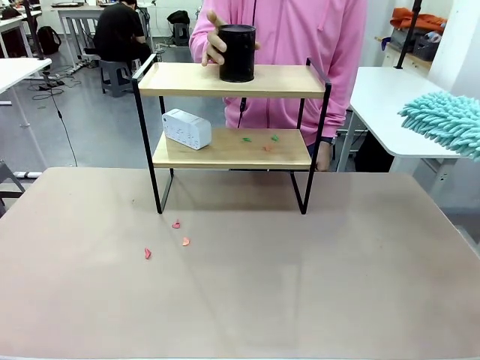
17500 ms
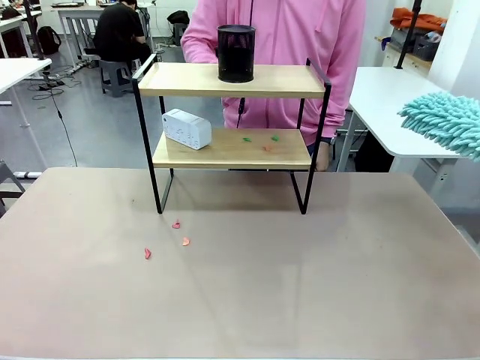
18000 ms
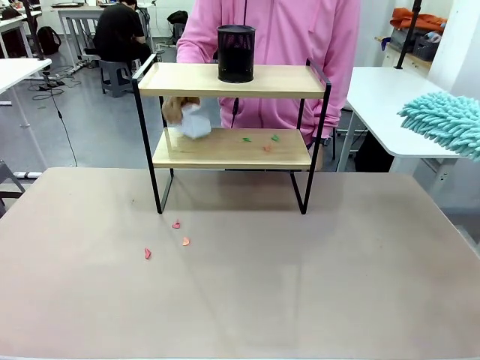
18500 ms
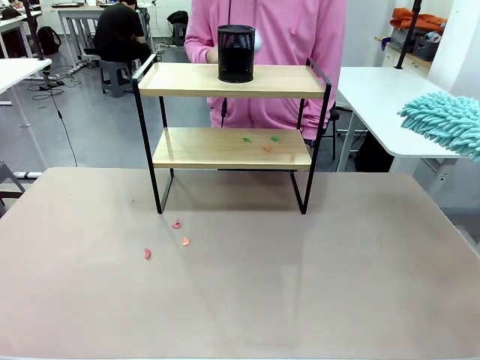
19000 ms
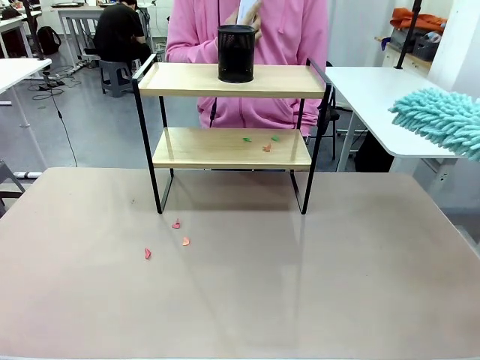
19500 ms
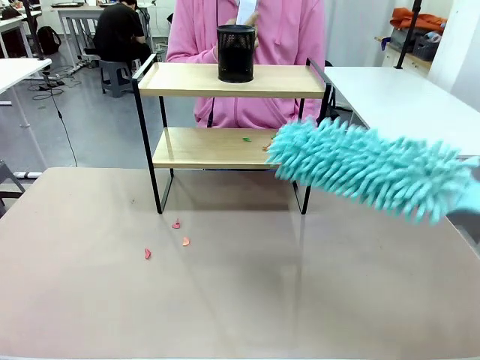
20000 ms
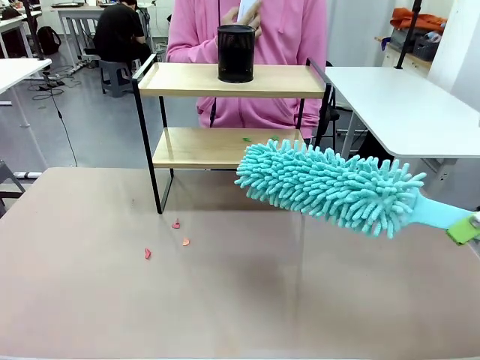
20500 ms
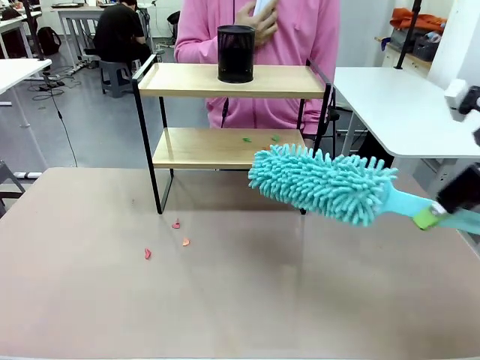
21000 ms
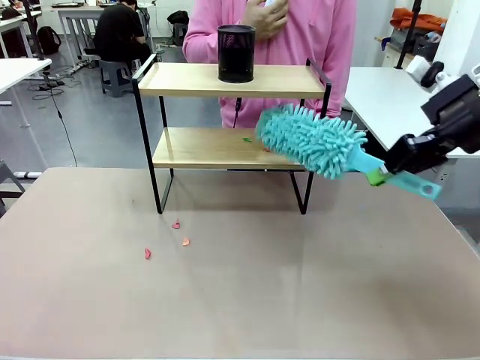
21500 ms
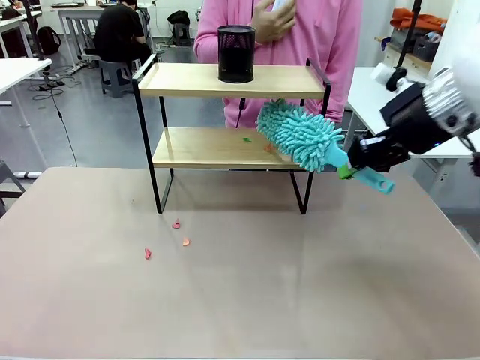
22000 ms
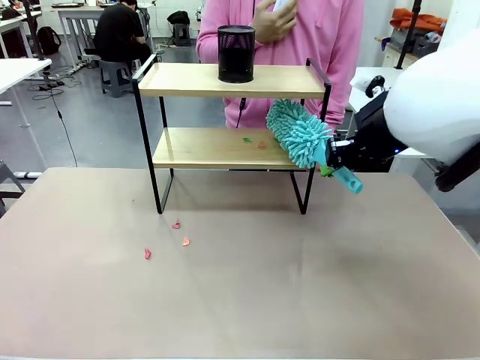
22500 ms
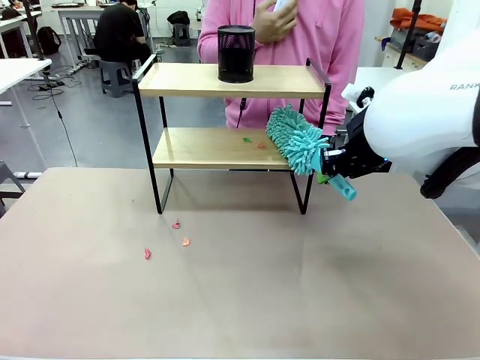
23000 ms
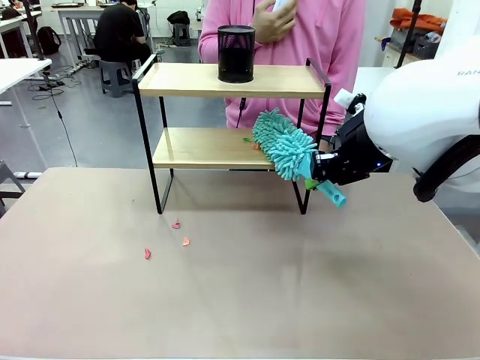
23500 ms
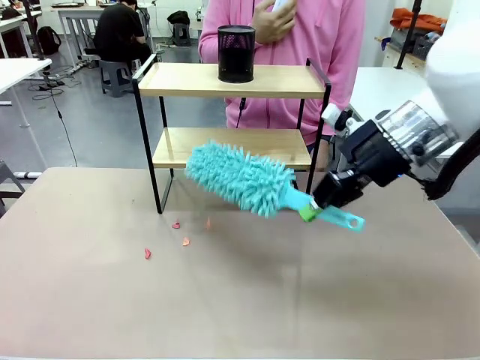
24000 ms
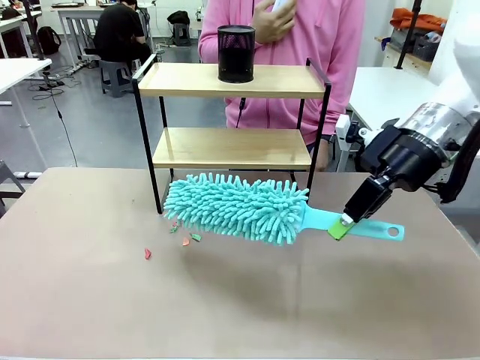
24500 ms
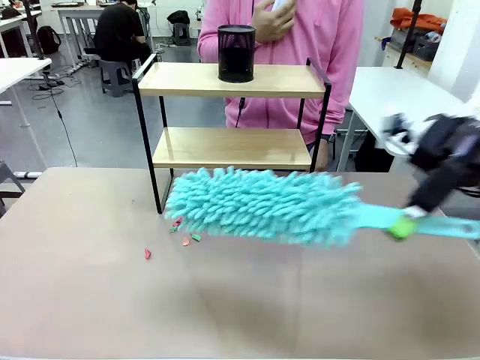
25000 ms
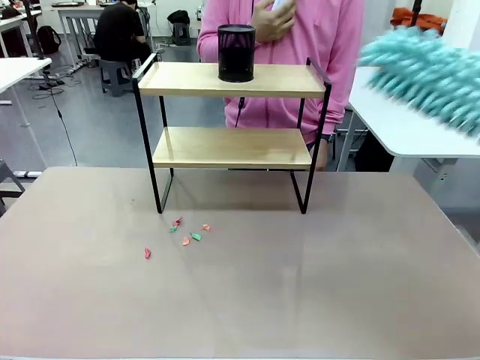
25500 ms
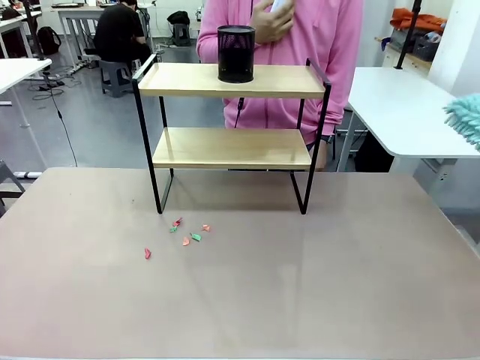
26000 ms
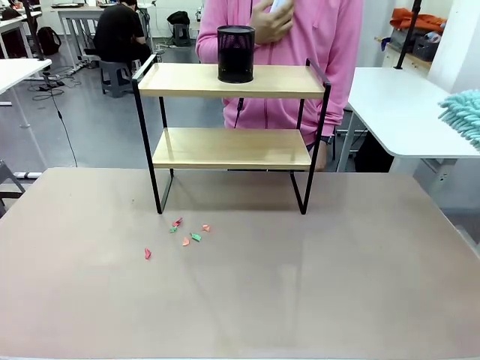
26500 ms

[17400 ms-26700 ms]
Task: Clean the shelf.
Robot: Clean the remaining tier of the Shelf with the Duster once objects are removed.

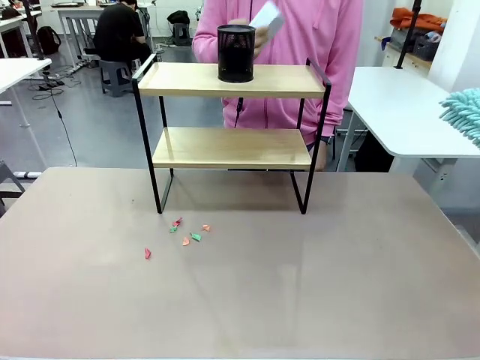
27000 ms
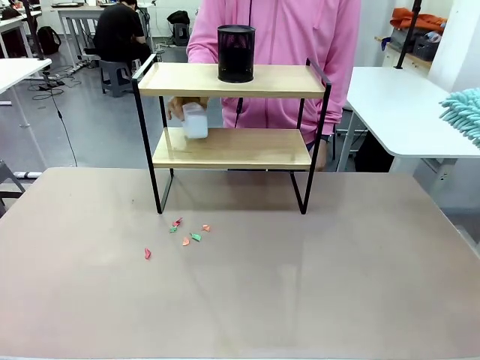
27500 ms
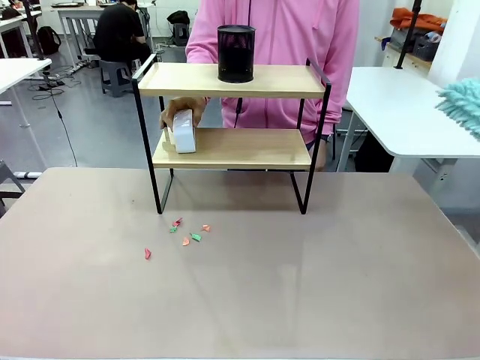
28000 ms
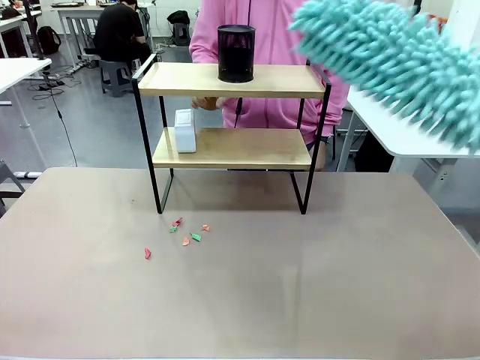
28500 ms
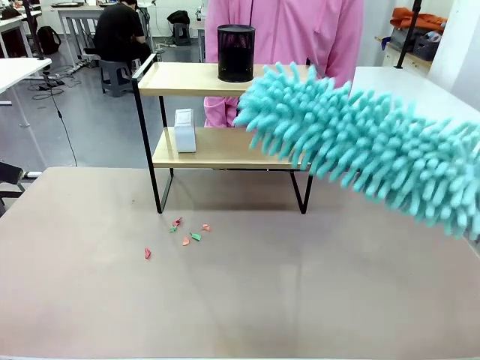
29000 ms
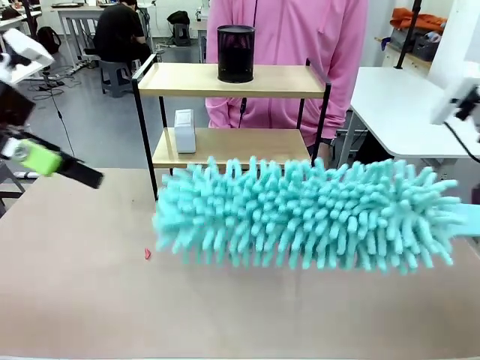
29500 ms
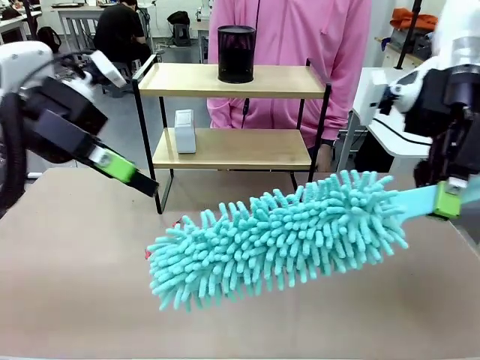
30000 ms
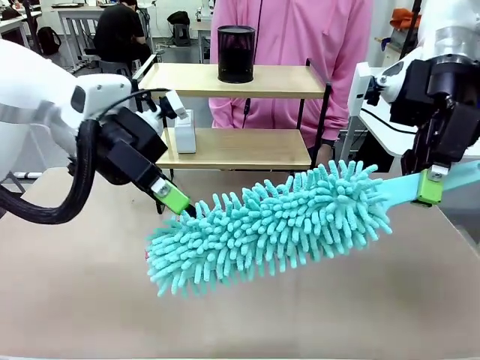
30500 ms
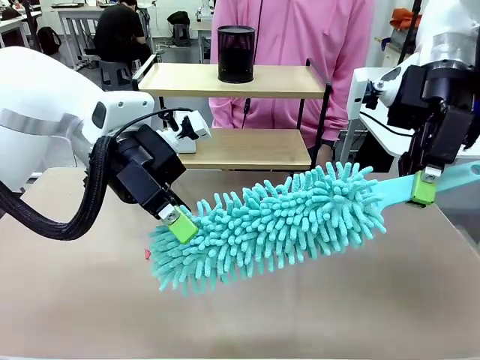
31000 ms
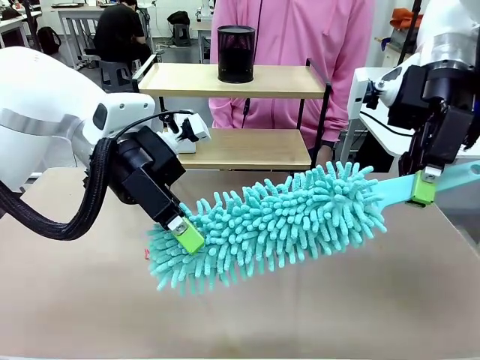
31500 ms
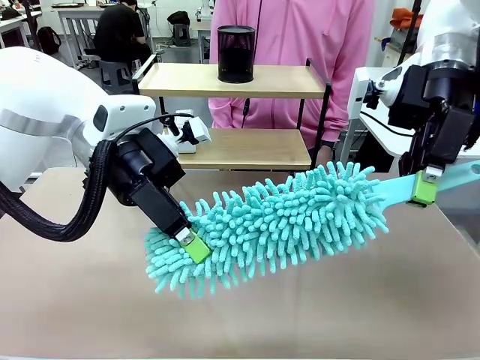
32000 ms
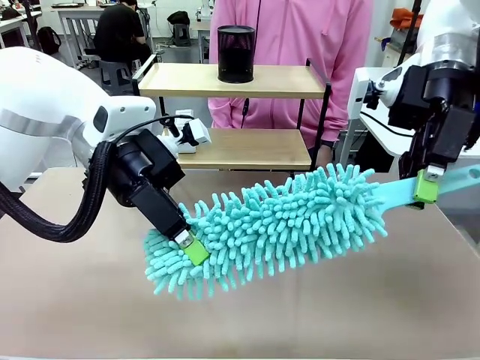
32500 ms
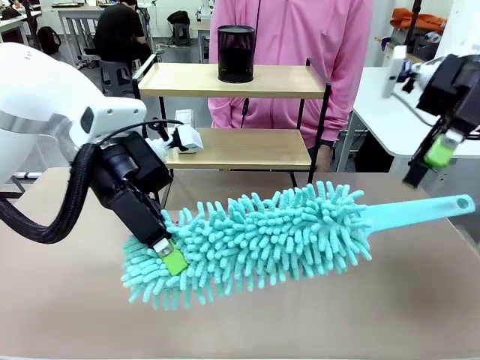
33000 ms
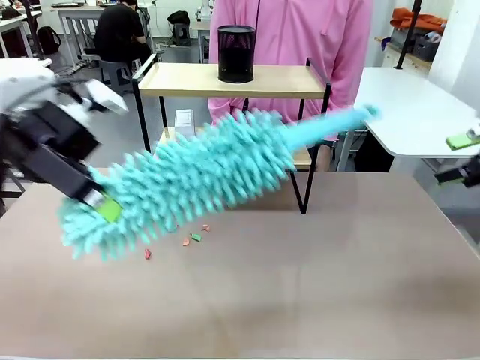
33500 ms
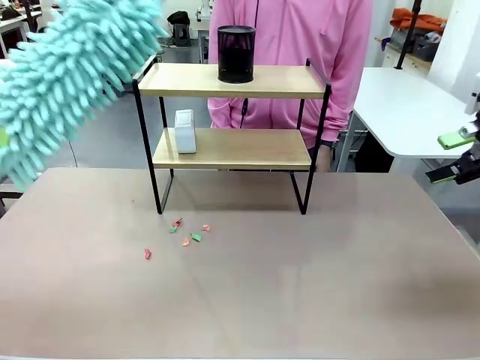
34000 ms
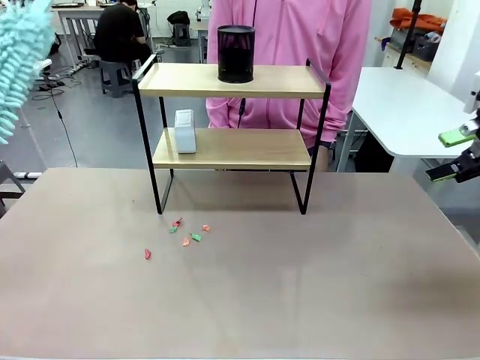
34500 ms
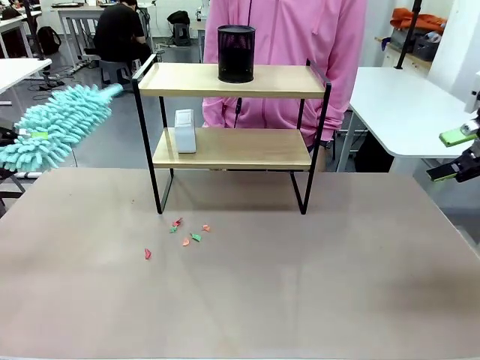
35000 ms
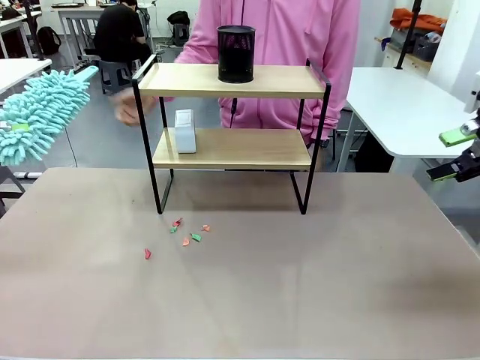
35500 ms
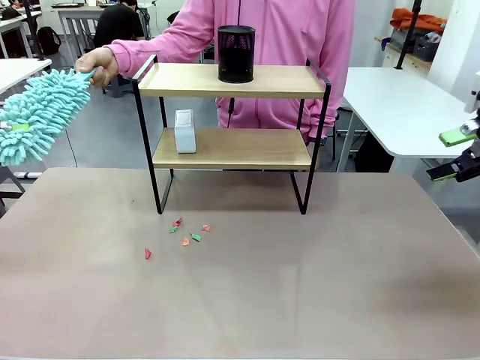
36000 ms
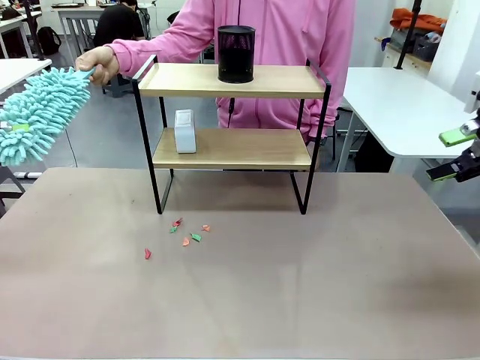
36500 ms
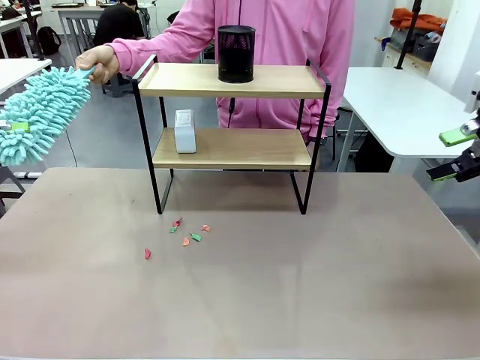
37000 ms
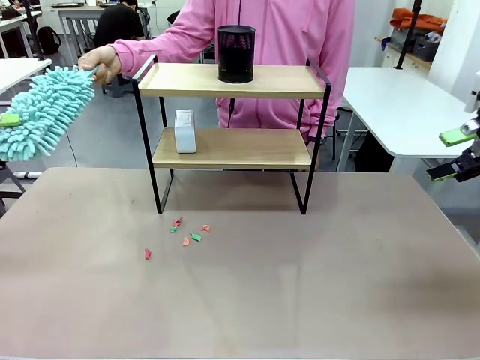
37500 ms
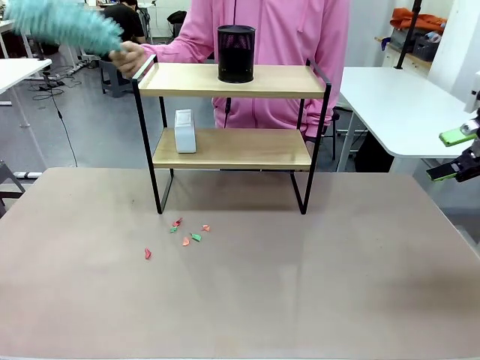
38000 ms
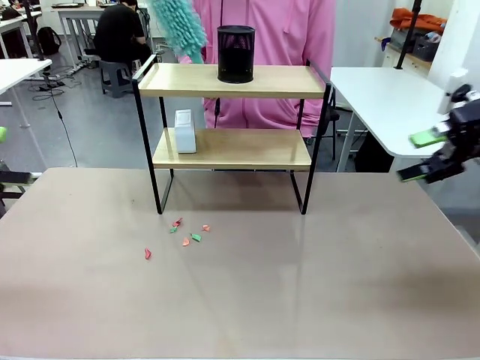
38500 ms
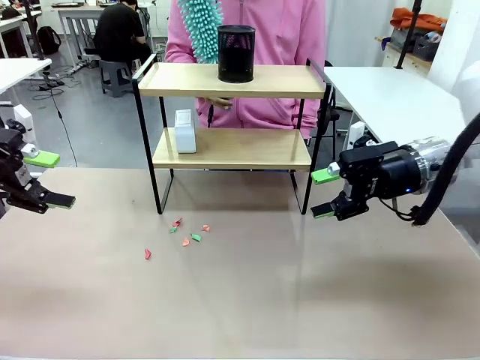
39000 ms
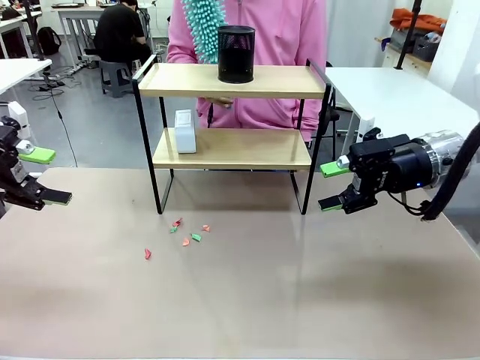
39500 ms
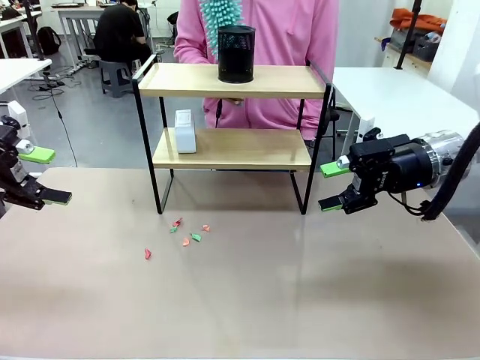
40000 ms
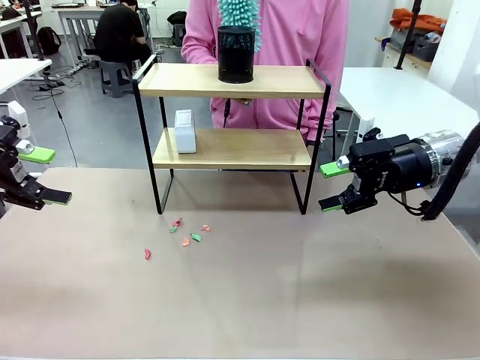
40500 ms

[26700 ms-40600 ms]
Robot: Hand the Duster back to the human.
Person: Receive the Duster from the robot.

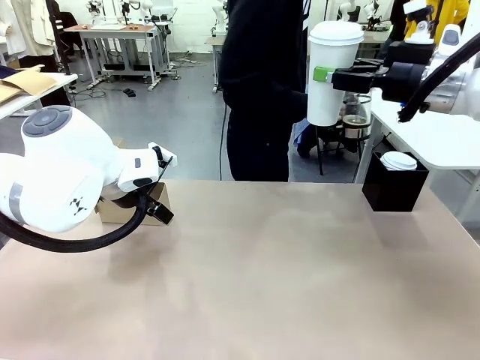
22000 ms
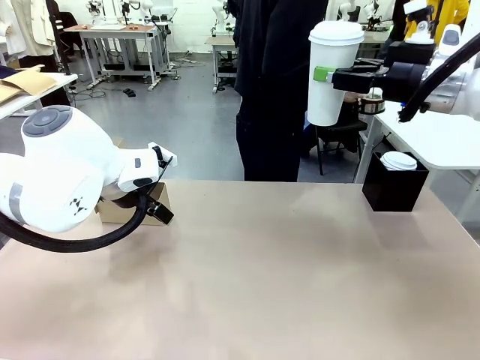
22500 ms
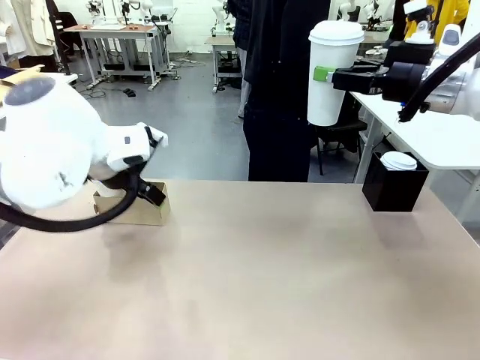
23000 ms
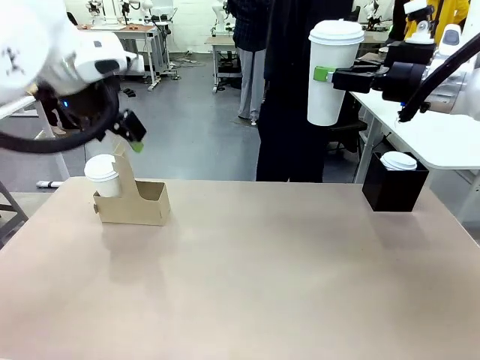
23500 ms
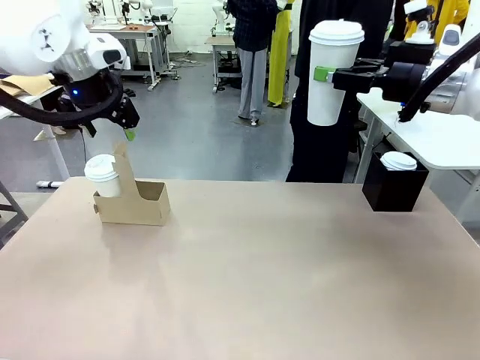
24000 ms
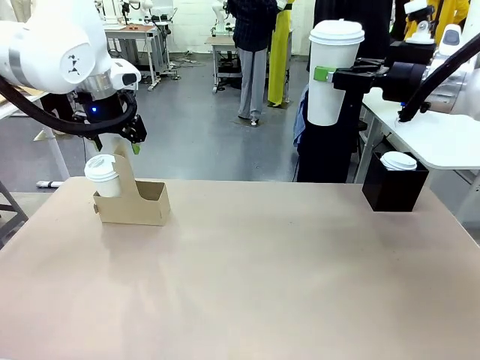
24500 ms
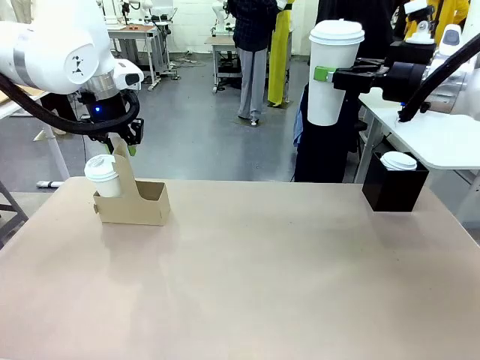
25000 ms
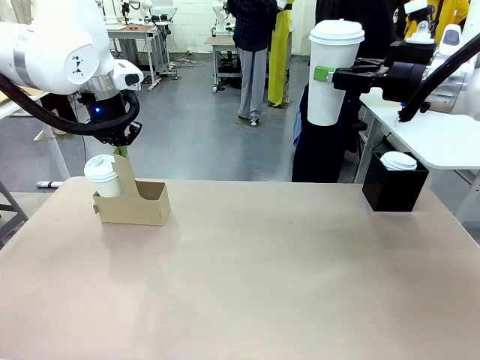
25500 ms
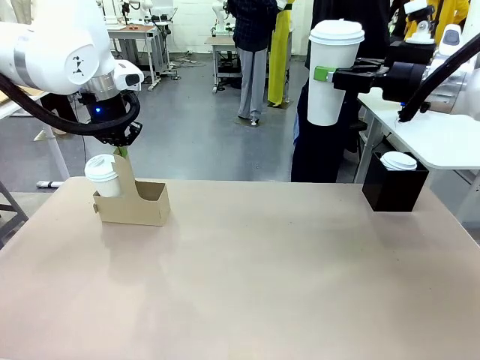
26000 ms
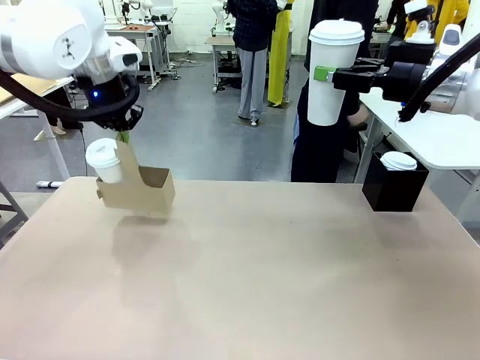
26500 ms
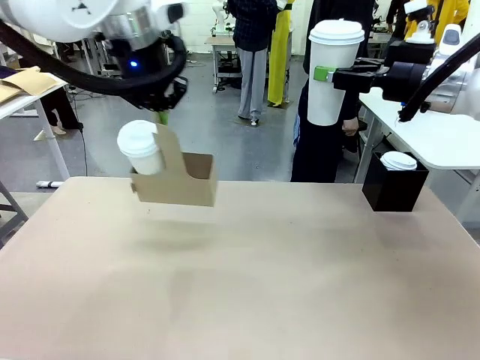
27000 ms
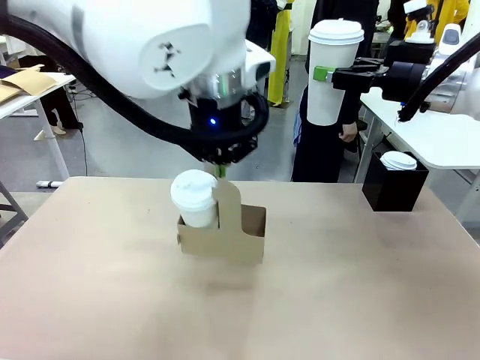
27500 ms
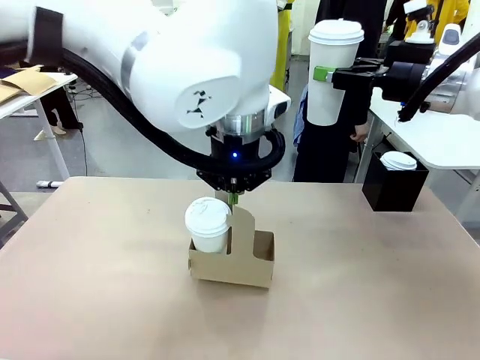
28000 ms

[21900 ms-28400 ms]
Task: Pour a drink into a cup and package it in a carrier.
Robot: Position the Cup Carrier in the center of the table.
